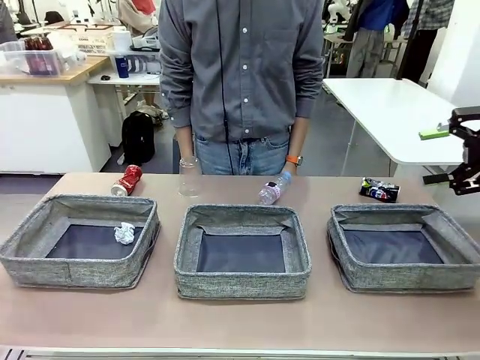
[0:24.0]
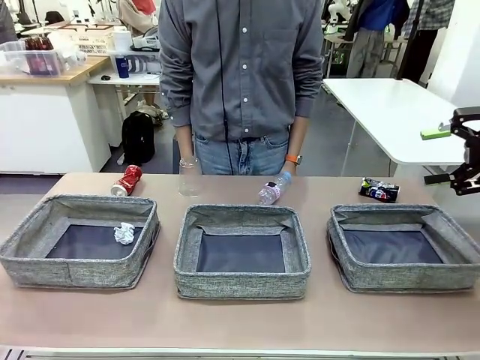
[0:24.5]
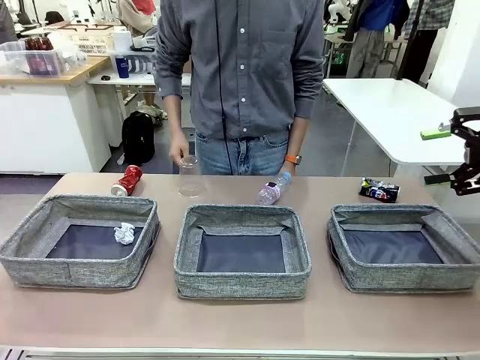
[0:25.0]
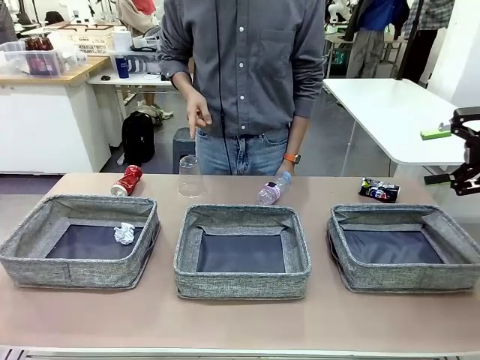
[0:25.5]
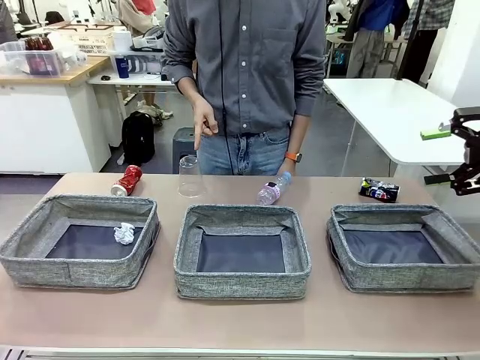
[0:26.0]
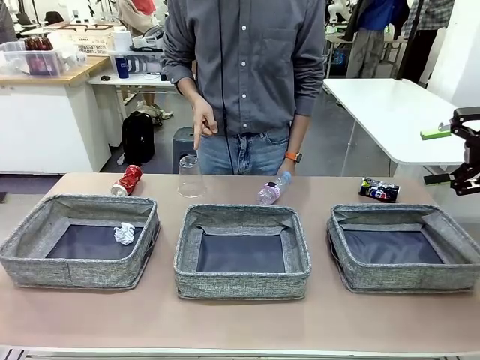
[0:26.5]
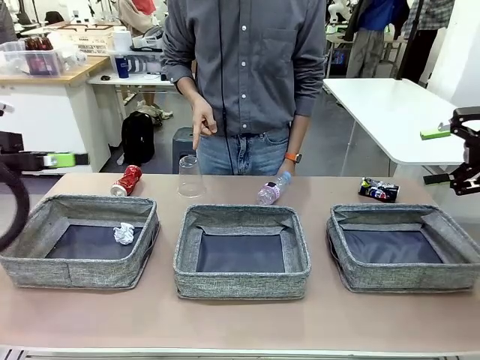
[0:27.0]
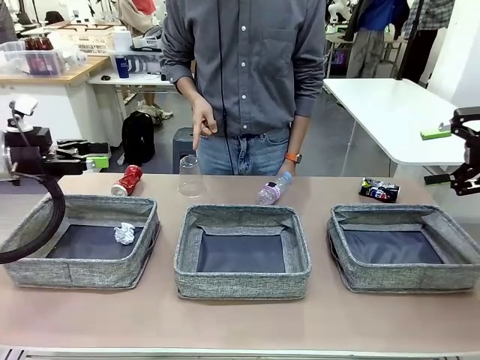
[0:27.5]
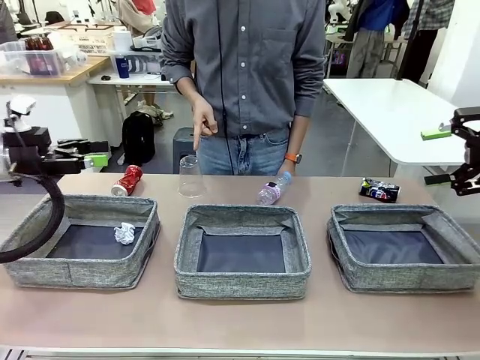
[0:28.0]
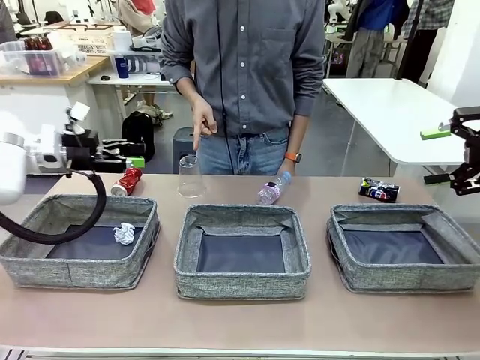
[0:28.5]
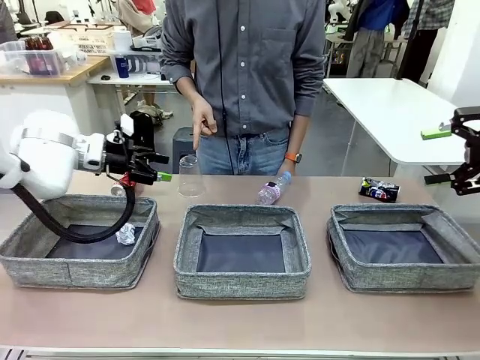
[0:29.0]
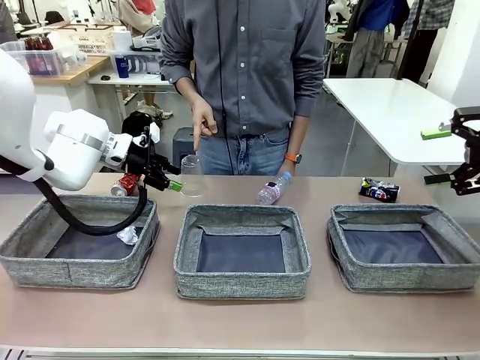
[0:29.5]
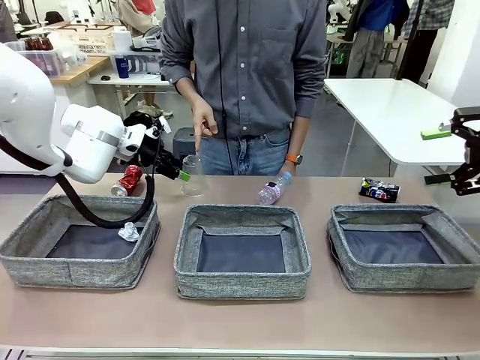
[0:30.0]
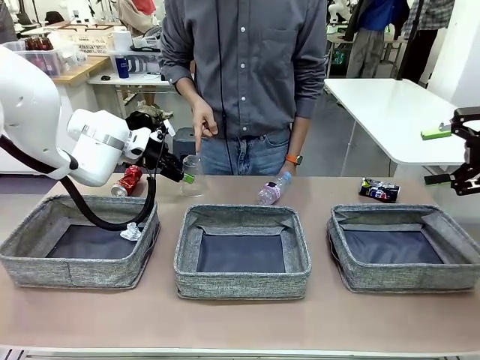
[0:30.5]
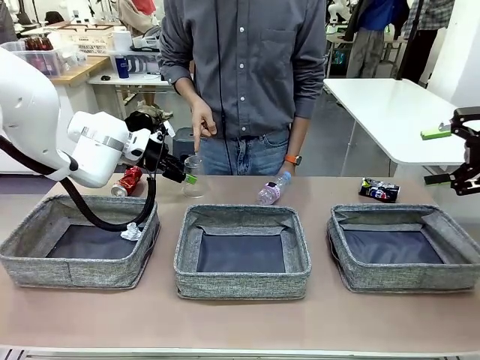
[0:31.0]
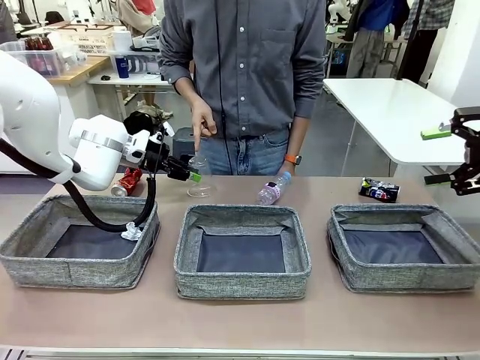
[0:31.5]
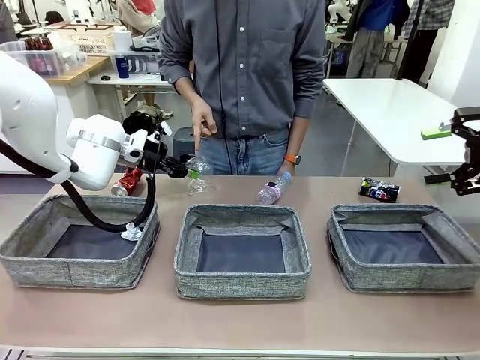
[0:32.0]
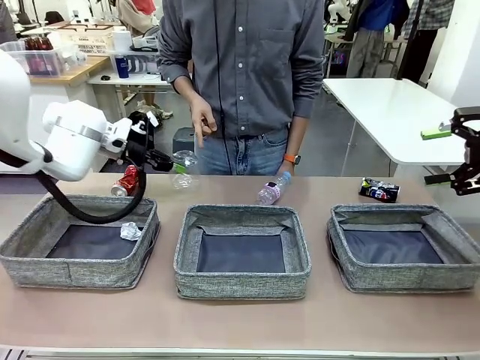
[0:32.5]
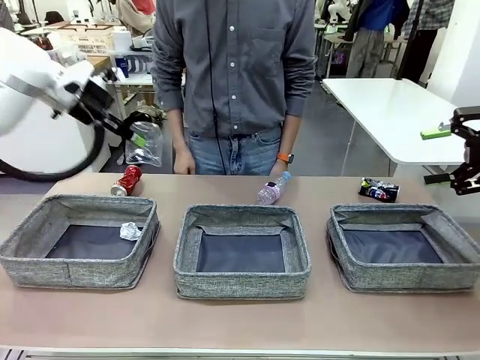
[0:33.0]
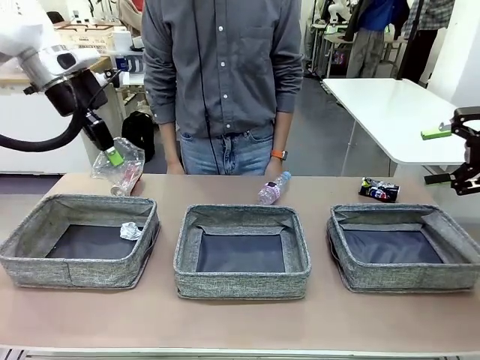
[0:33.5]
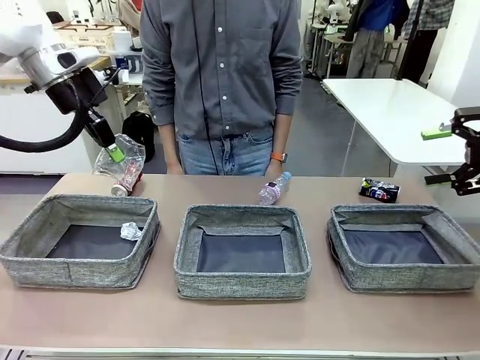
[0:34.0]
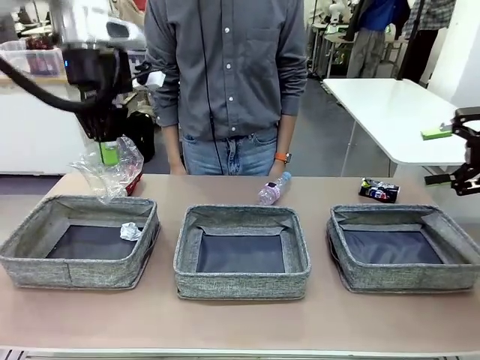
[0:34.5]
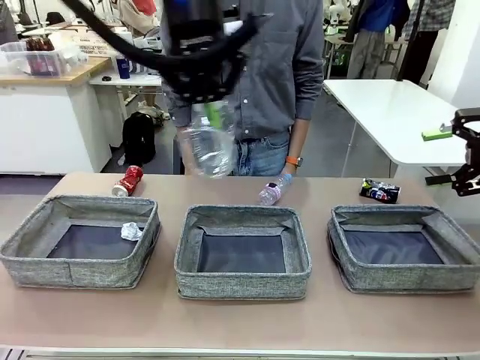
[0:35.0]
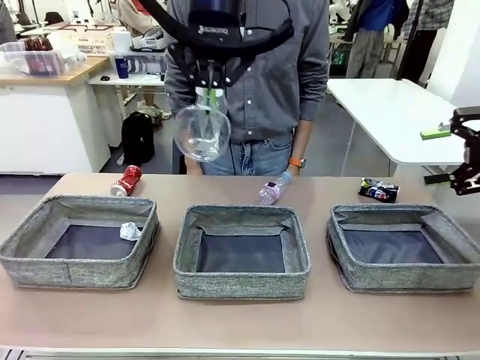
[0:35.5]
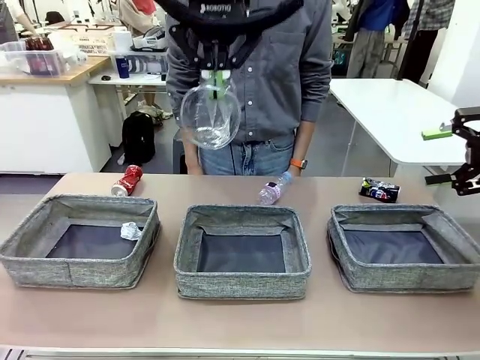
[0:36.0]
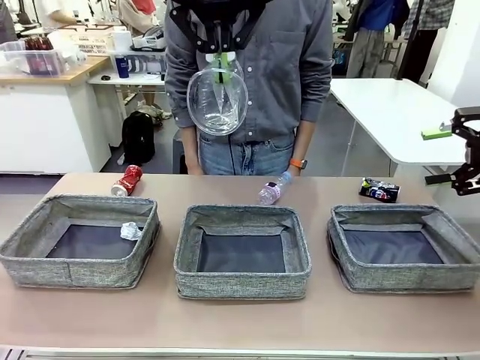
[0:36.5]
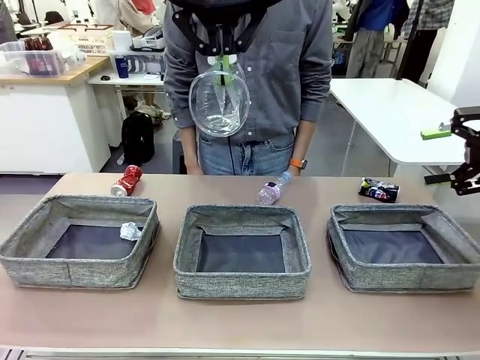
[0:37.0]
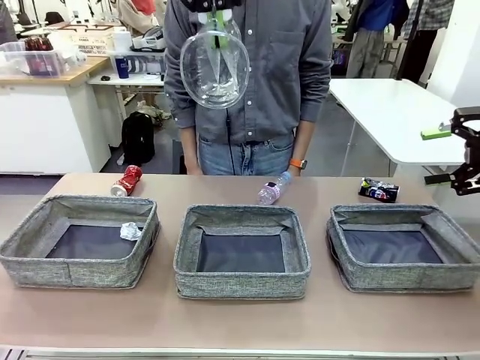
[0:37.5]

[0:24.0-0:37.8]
Task: Sort the waste into the appropriate baskets.
Robot: Pick up the waste item pointed out by the person.
Person: Points to one piece of trash on the table.

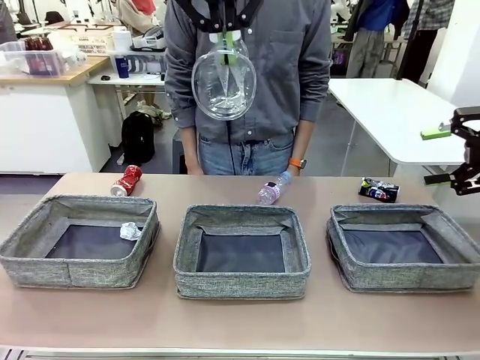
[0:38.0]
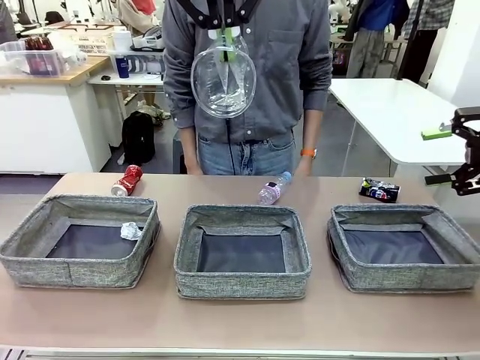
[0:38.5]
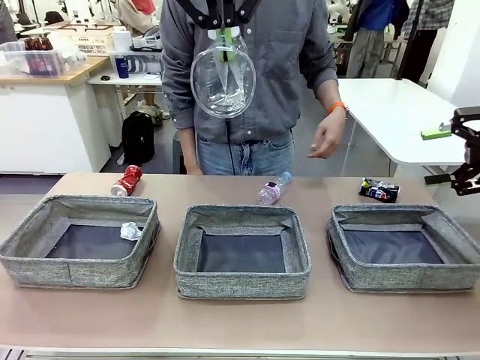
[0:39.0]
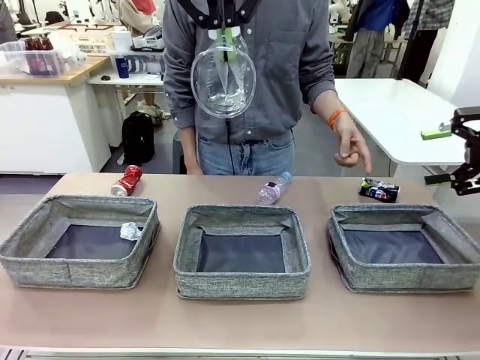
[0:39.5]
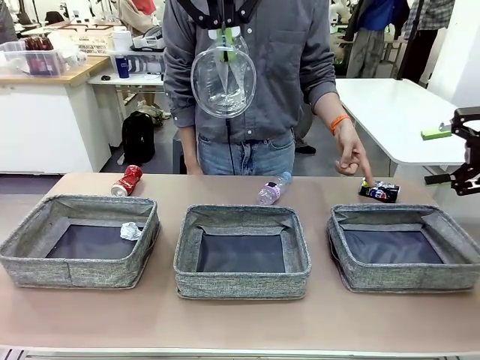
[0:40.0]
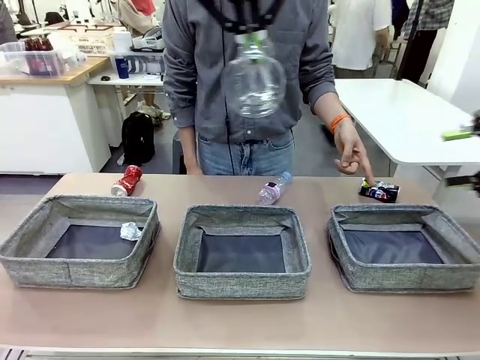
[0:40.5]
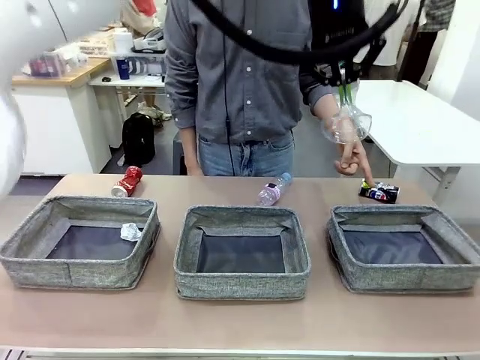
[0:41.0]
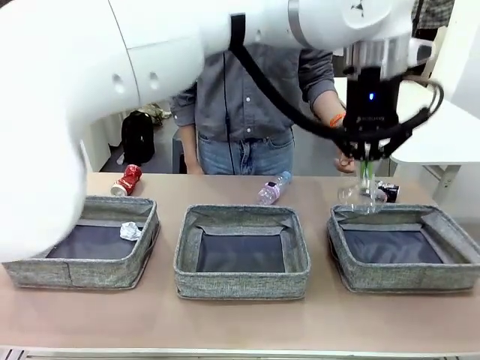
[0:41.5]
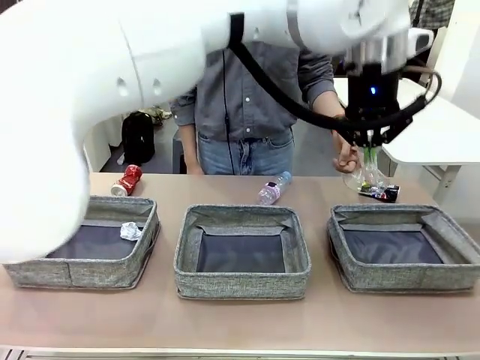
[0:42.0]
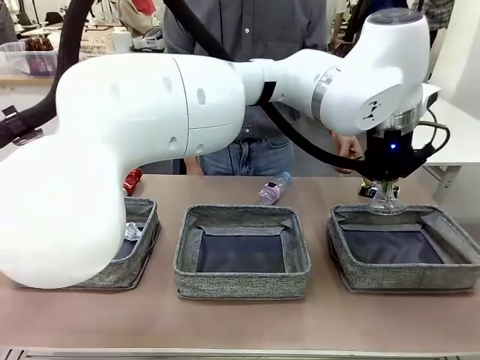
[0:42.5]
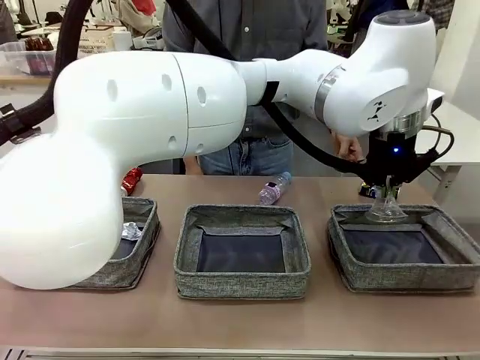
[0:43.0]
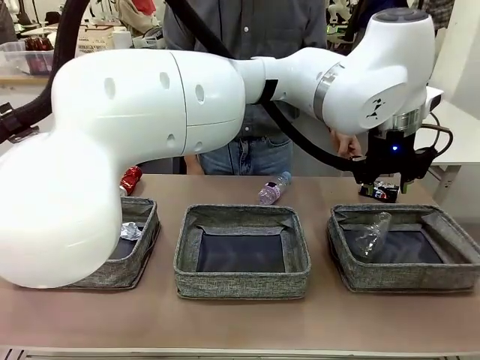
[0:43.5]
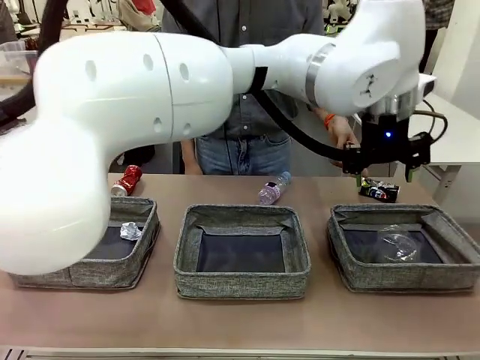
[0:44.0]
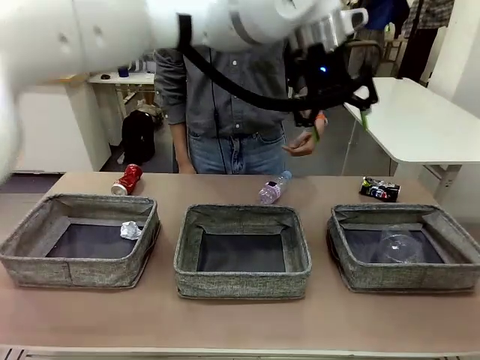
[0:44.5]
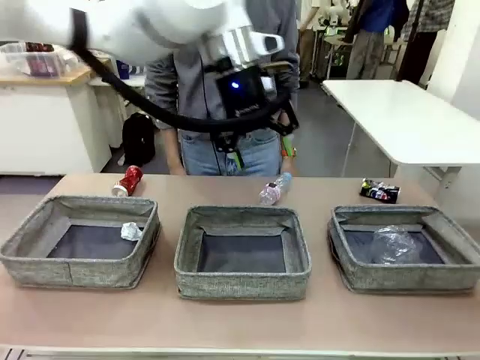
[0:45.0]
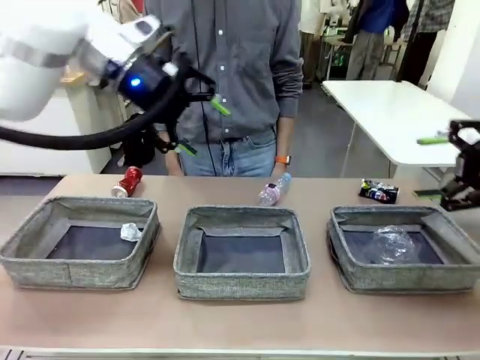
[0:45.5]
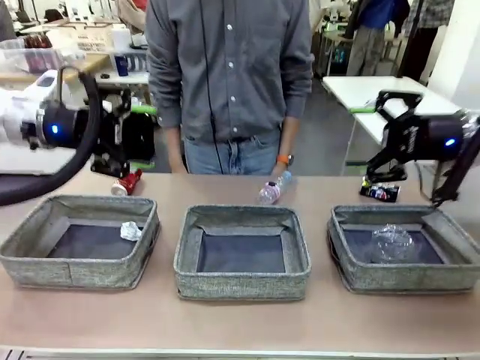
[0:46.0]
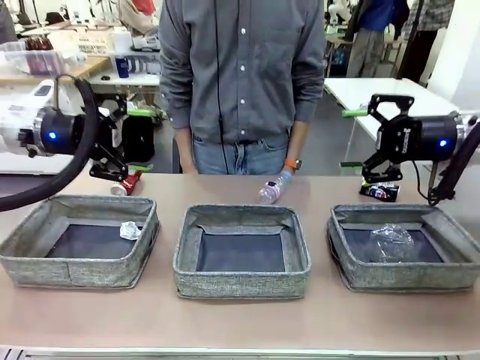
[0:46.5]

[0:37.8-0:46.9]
Robot: Place the picked waste into the Fabric basket indicated by the person.
Person: Instructs the robot to place the picked-up trash into the appropriate organizing basket.

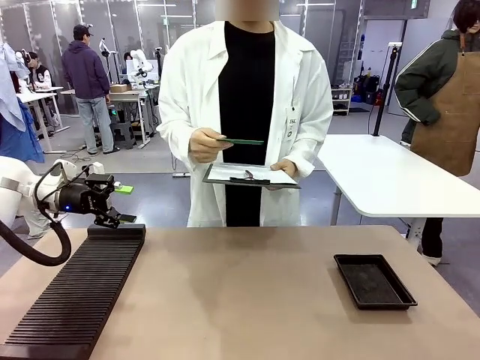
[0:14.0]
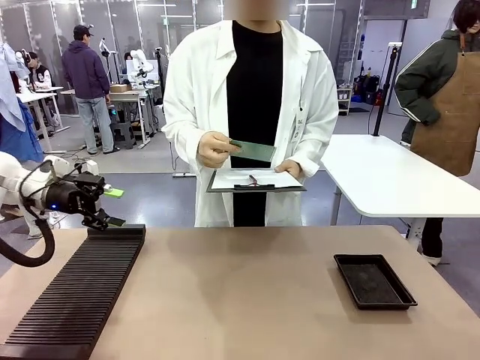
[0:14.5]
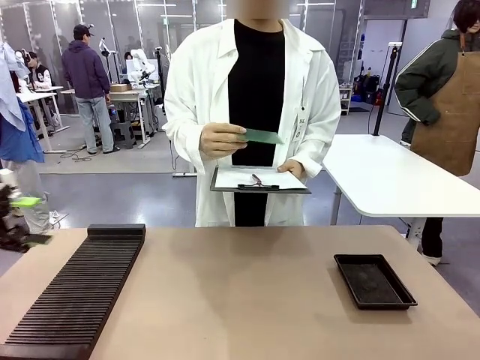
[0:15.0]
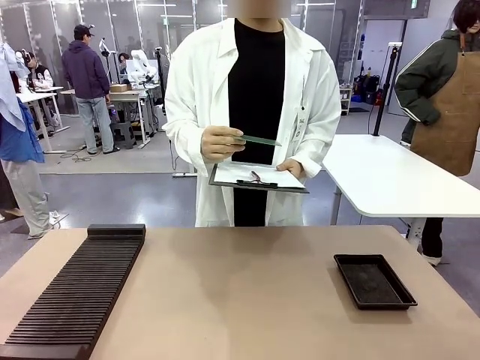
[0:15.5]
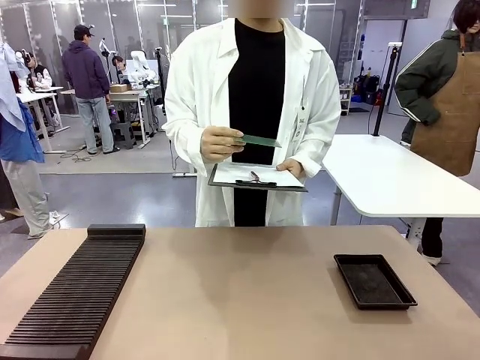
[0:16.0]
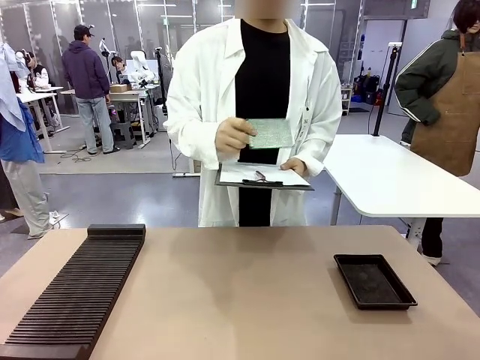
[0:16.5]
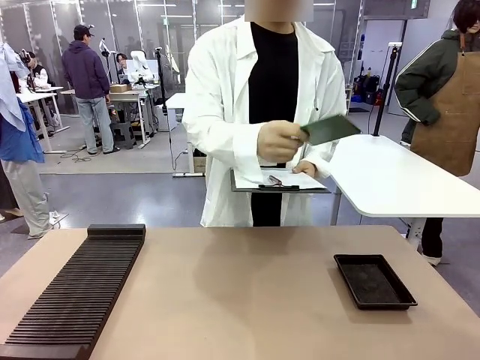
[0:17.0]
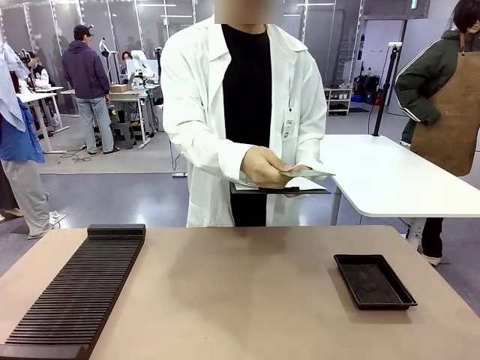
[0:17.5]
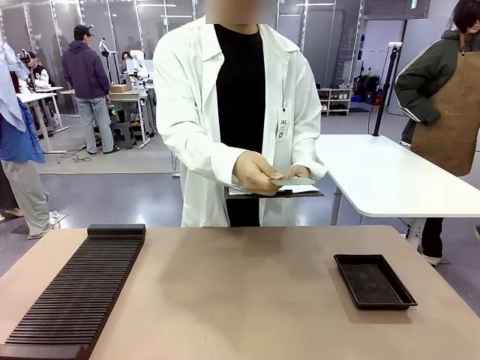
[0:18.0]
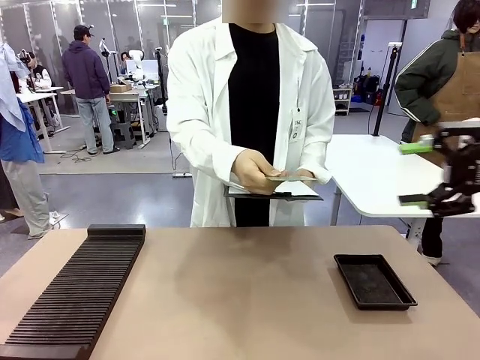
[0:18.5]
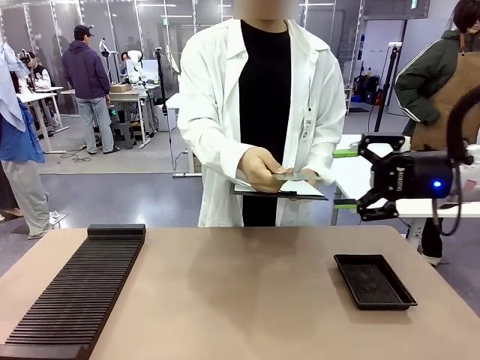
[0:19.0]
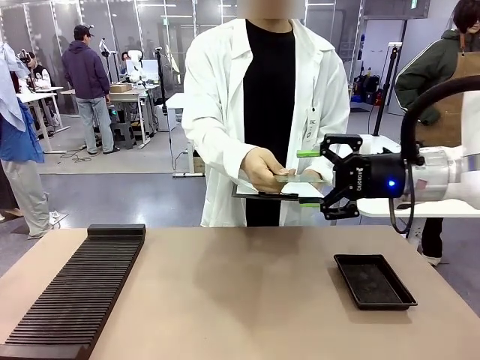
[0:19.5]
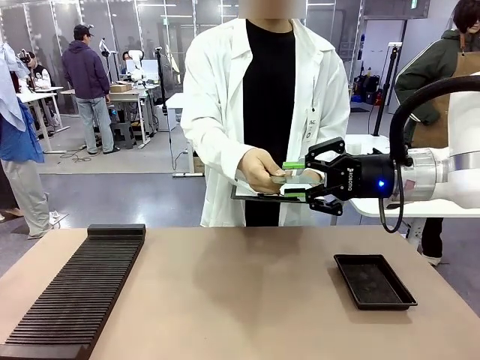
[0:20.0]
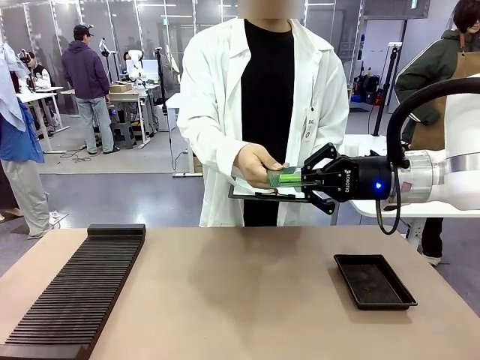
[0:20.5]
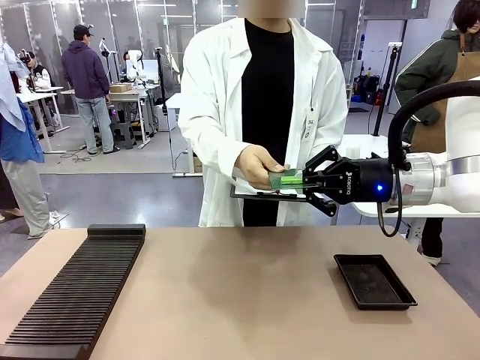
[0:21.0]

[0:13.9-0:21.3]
Task: Inspect the PCB.
Robot: Pick up the Blank PCB that the human is holding.
Person: Inspect the PCB placed by the robot, then hold it out in front of the robot. Release the PCB you were holding.
